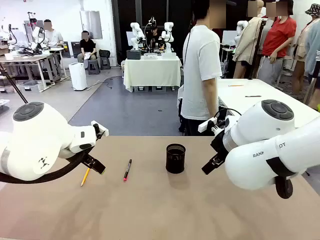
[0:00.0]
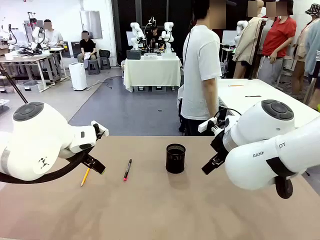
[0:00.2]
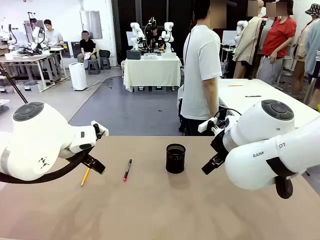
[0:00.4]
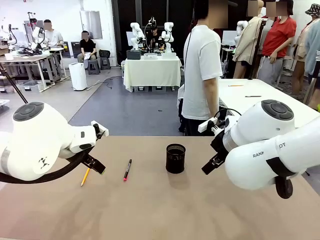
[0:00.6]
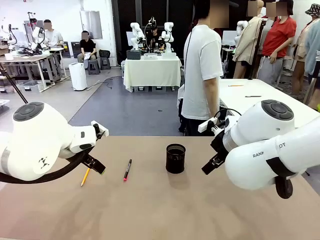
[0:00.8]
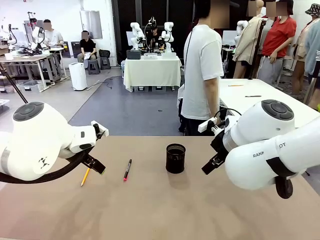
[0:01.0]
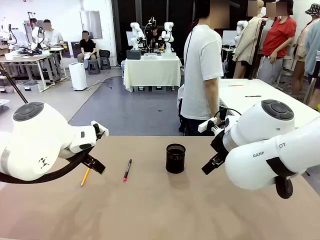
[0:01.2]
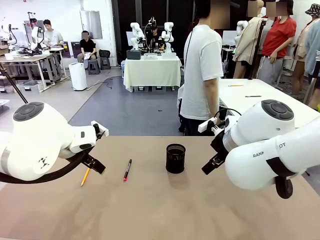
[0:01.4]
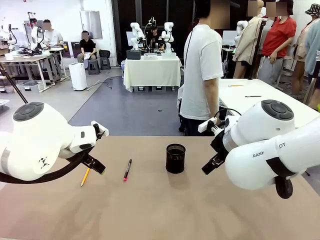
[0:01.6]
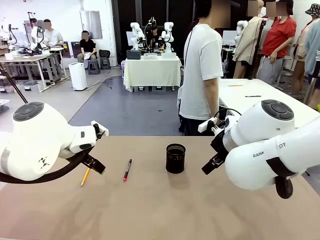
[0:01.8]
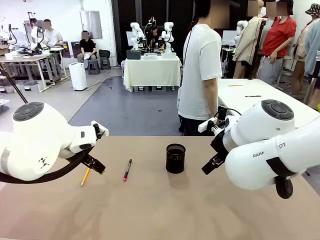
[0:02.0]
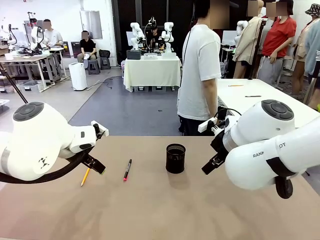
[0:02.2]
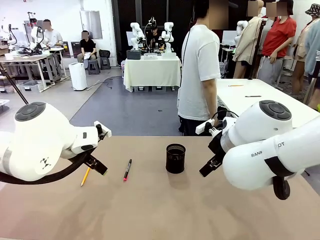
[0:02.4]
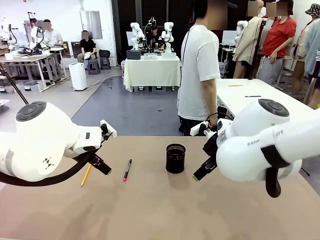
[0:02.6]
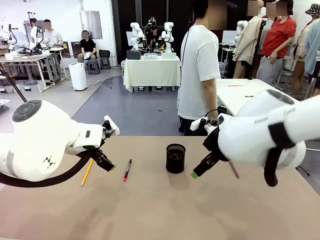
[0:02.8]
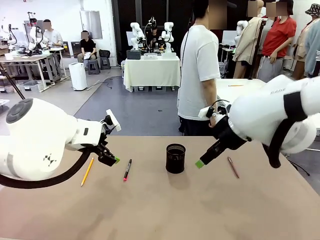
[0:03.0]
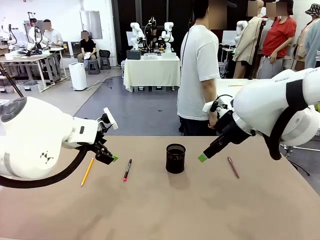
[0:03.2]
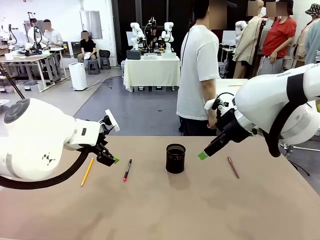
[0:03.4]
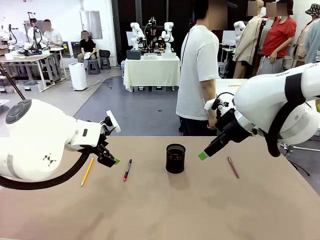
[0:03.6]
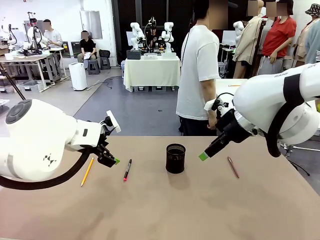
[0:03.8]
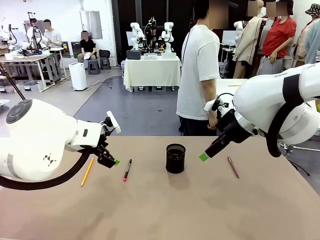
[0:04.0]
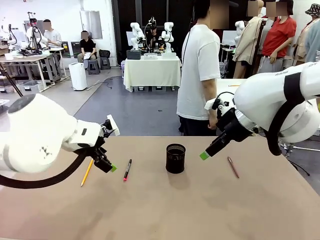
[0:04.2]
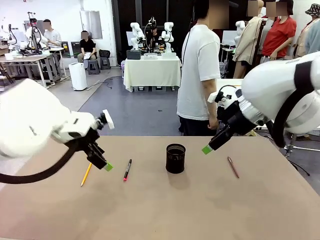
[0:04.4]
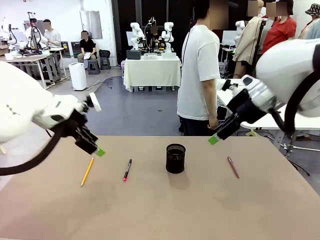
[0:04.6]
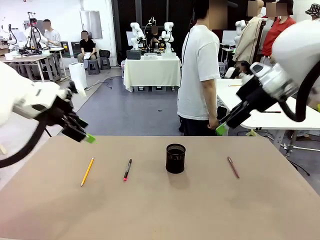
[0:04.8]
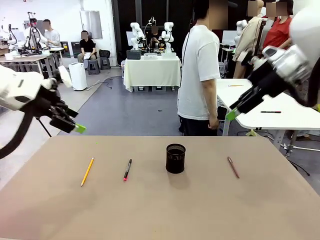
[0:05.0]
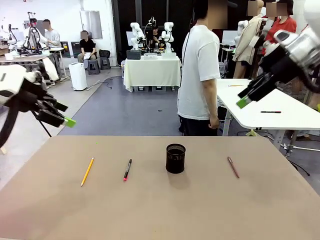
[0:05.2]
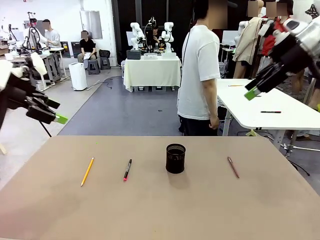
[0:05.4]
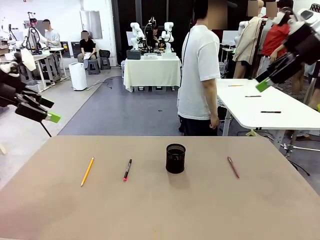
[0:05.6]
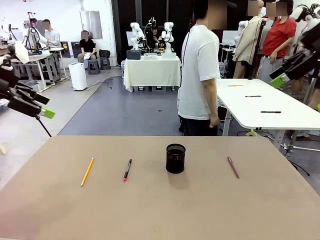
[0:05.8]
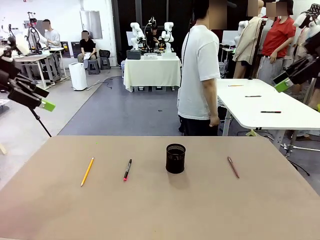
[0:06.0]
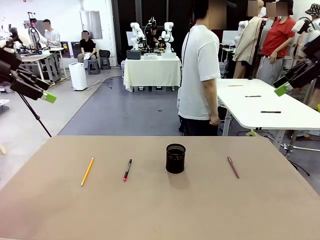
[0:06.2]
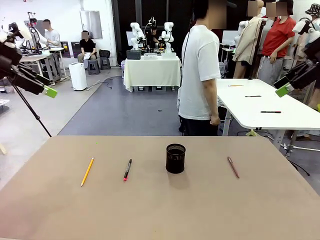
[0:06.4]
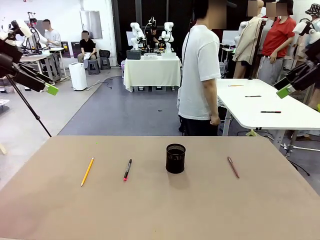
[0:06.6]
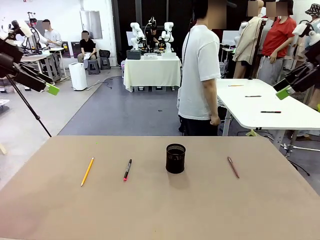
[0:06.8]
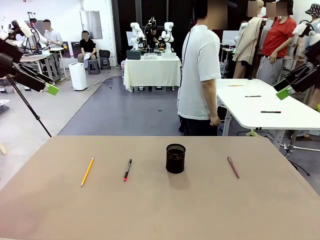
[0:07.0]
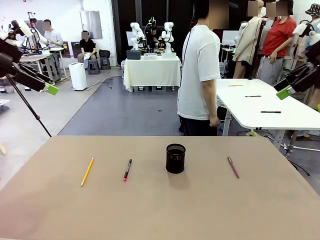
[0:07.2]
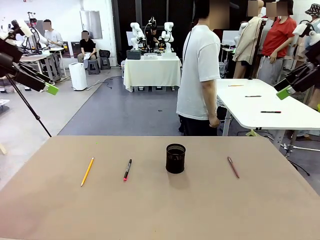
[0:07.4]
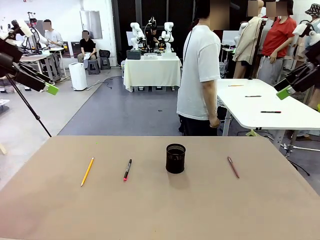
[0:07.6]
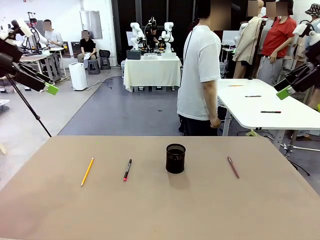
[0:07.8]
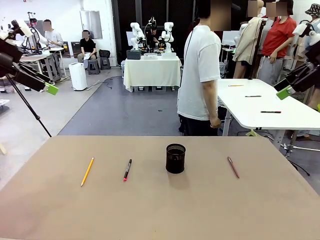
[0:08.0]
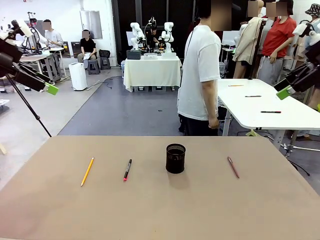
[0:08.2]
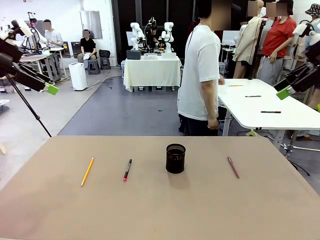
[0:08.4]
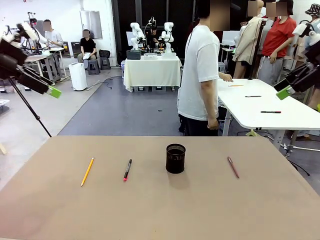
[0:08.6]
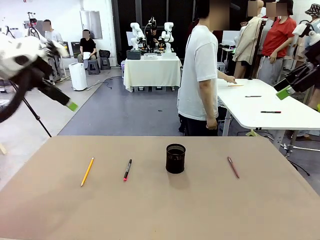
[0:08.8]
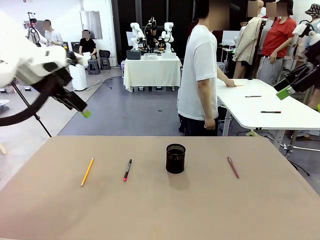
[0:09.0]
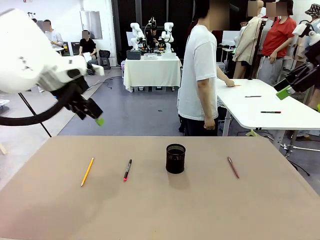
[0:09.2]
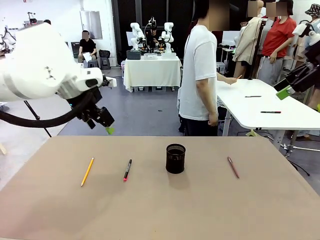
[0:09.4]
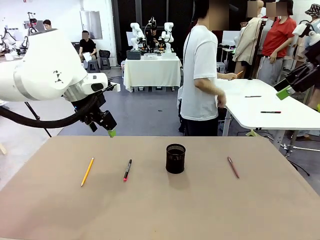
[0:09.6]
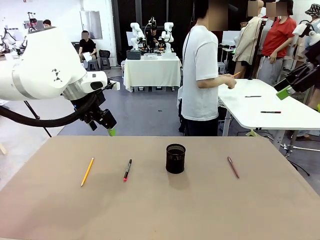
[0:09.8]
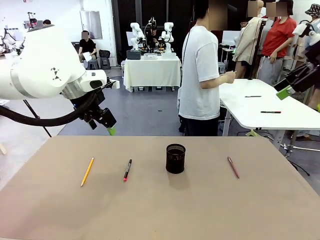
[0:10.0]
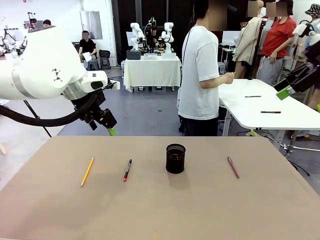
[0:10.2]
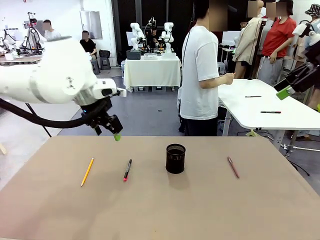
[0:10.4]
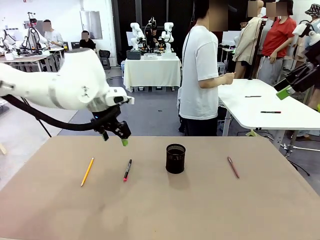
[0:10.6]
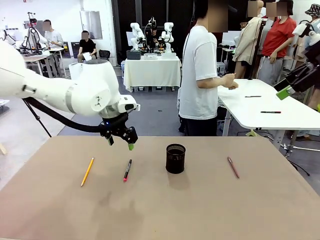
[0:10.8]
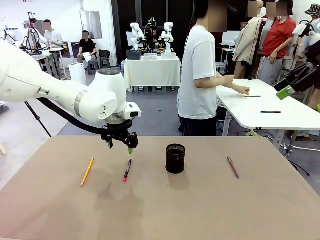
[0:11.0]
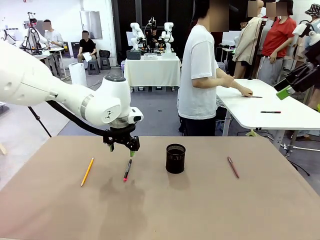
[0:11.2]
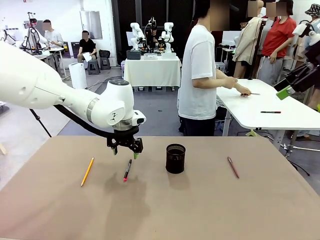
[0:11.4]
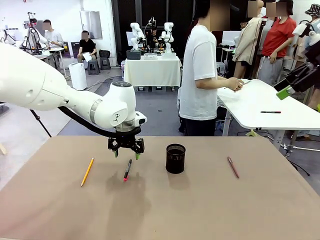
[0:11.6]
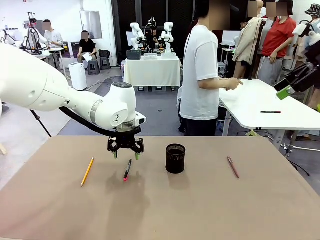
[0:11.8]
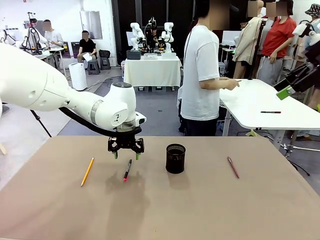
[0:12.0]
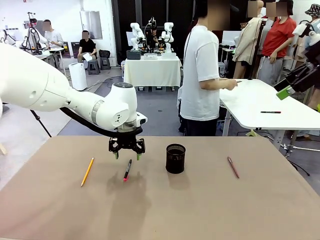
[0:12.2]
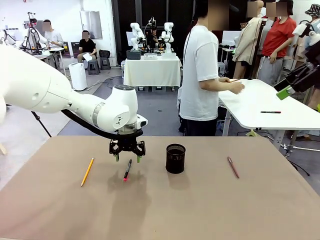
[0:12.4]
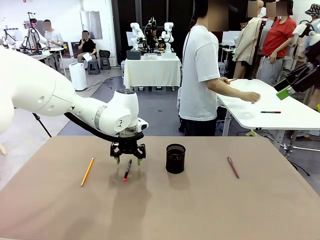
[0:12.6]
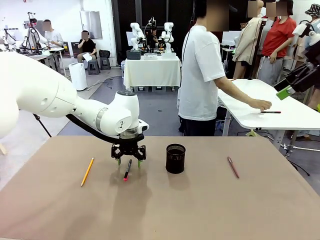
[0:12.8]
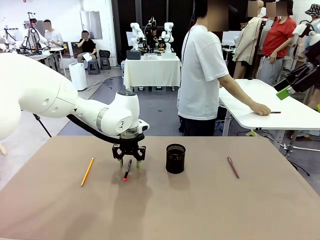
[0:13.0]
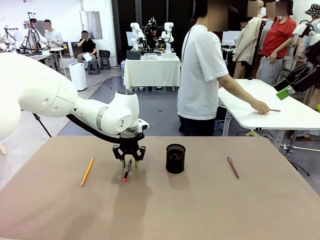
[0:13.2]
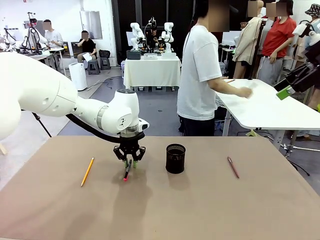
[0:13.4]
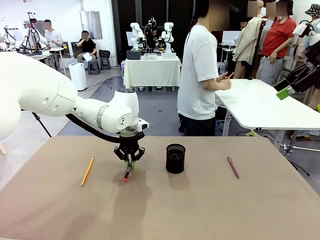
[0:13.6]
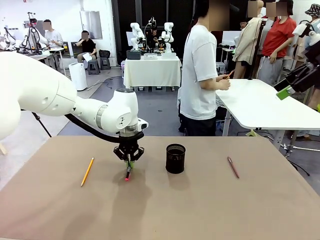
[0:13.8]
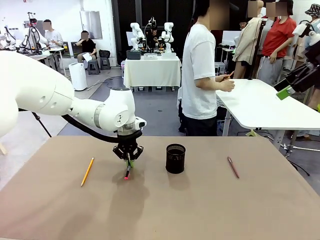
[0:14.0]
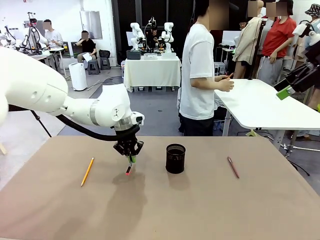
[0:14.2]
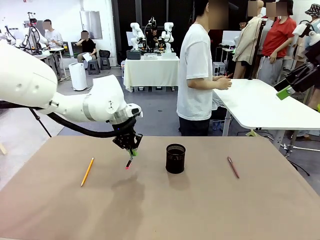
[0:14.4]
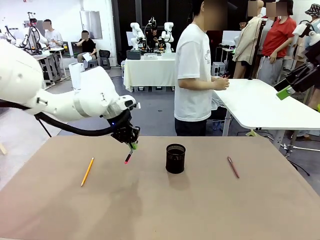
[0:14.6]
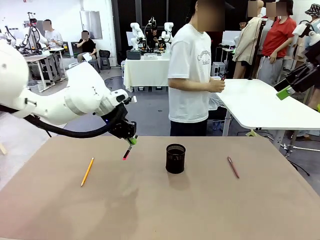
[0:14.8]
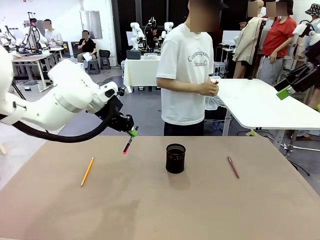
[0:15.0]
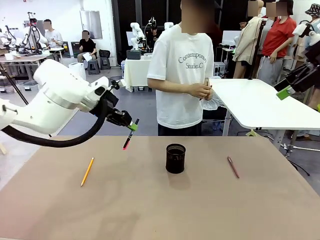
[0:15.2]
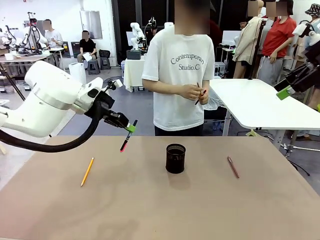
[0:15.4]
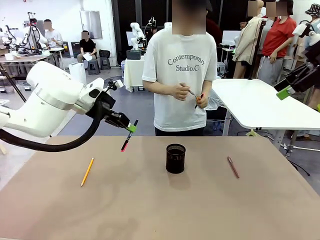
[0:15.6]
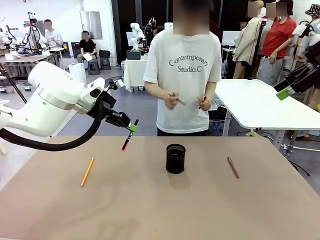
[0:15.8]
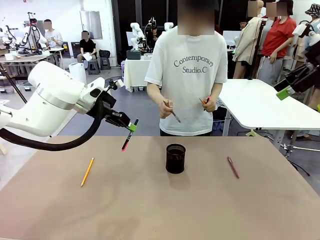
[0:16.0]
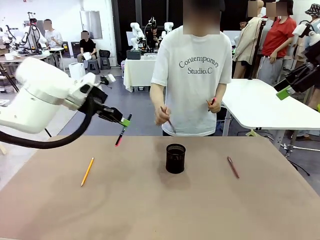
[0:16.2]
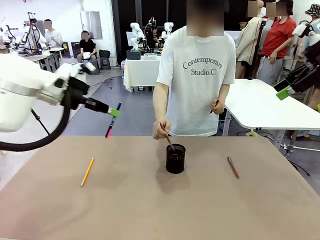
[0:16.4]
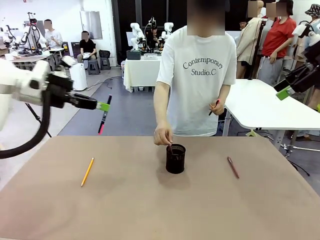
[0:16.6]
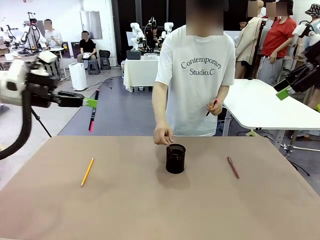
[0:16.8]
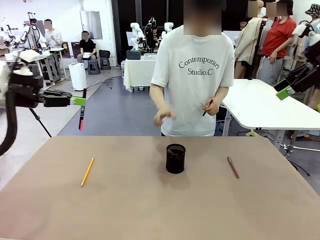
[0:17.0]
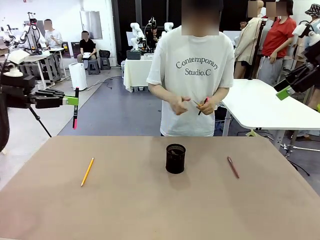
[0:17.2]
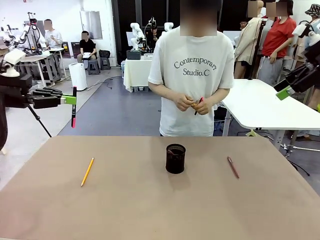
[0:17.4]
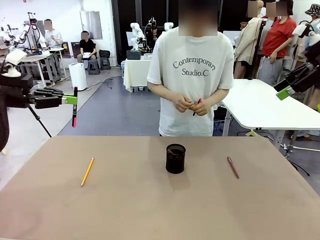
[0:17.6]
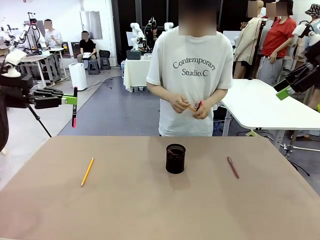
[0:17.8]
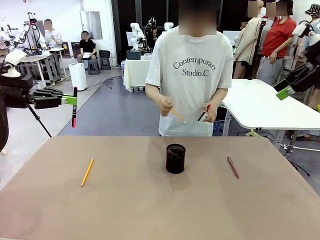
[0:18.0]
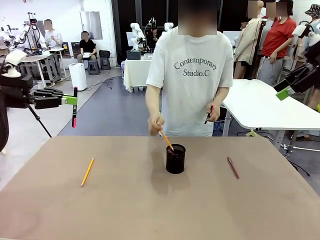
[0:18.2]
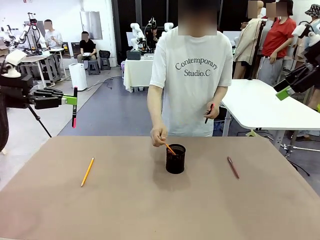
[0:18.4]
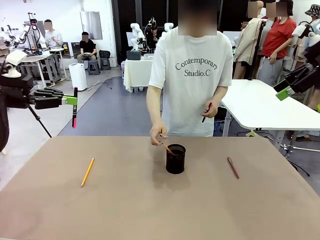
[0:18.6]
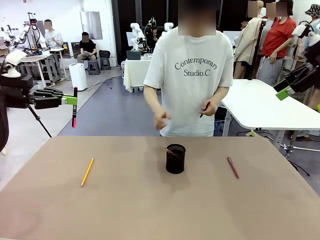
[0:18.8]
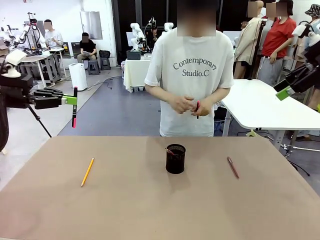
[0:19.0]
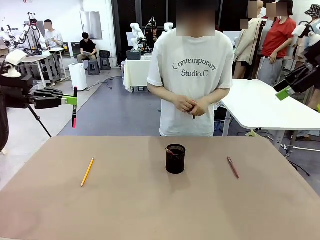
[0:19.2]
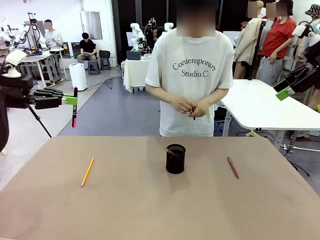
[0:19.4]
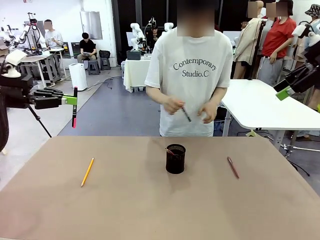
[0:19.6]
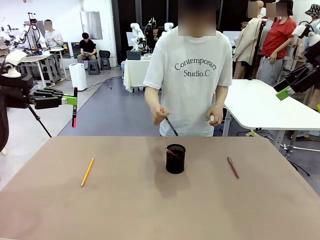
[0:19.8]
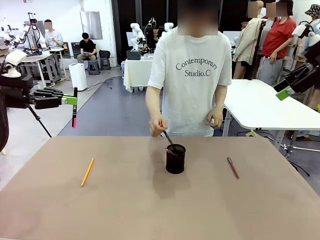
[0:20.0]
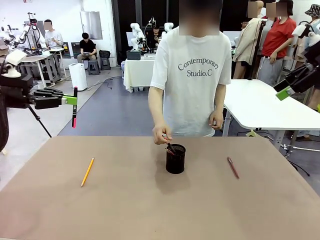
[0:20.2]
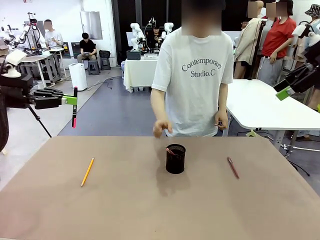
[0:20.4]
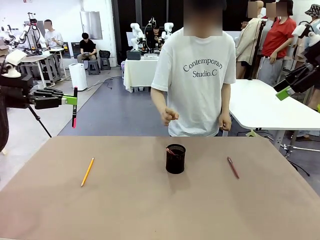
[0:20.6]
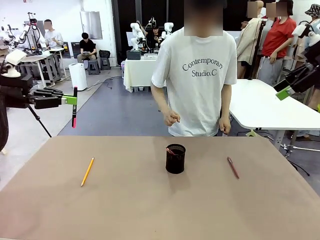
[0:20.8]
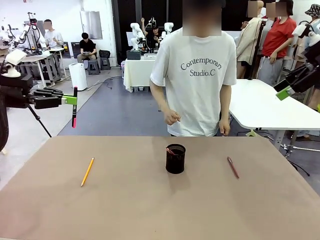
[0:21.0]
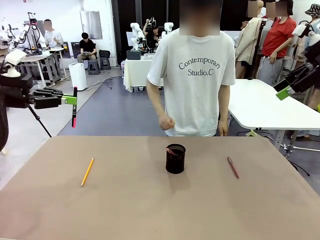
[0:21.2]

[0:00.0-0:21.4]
Task: Place the pens into the pen holder.
Robot: Pick up a writing instrument from the table and place it into the Pen holder.
Person: Pick up all writing instruments from the Human table.
